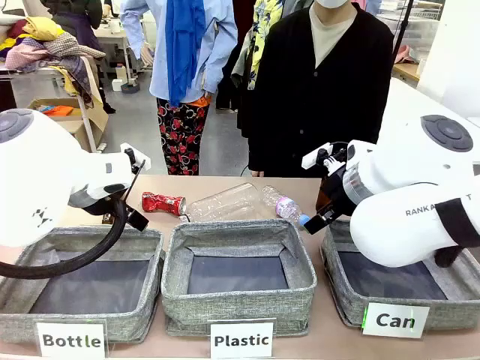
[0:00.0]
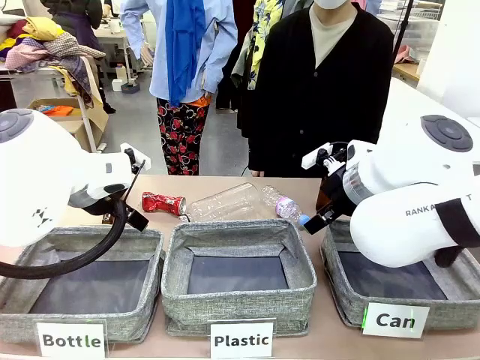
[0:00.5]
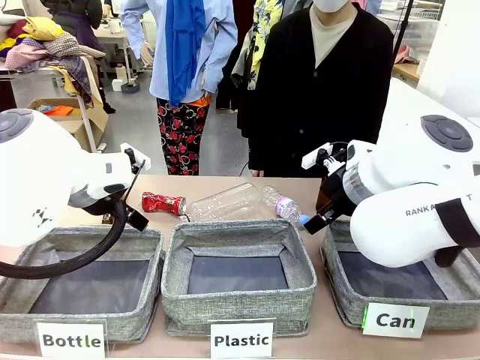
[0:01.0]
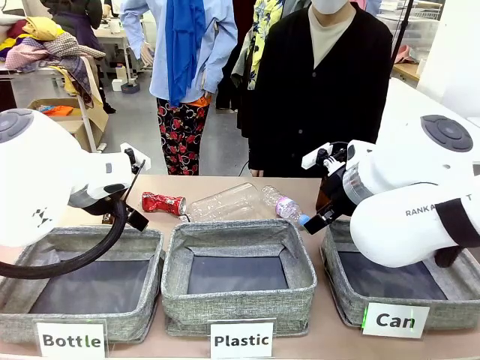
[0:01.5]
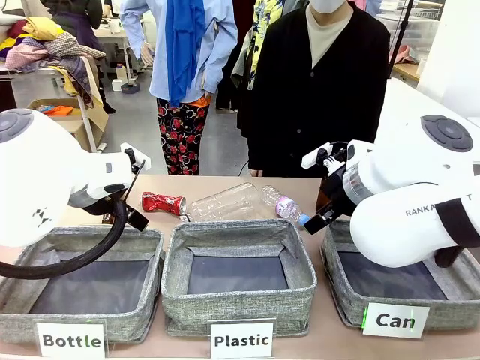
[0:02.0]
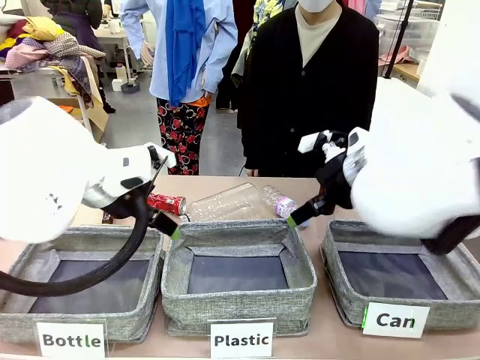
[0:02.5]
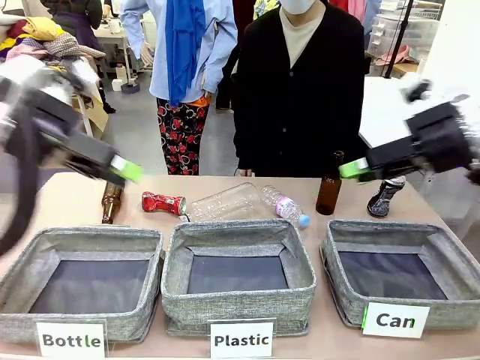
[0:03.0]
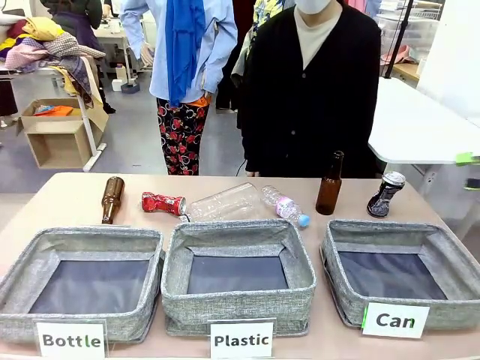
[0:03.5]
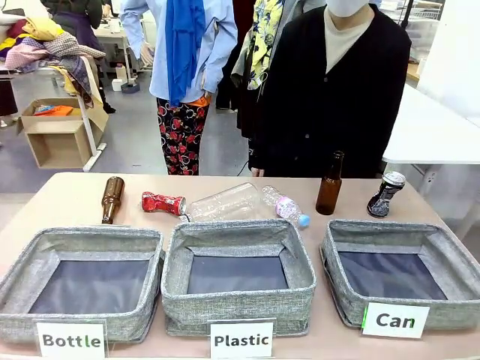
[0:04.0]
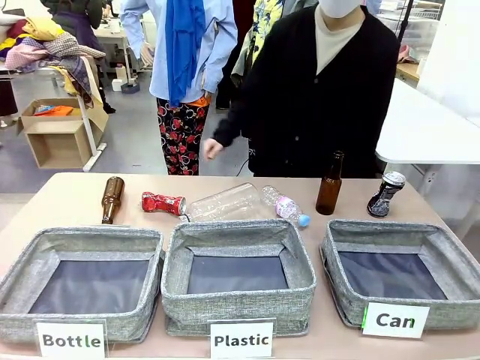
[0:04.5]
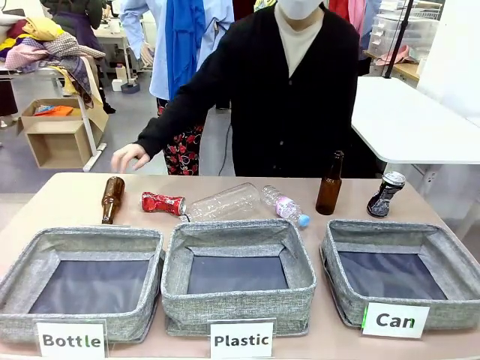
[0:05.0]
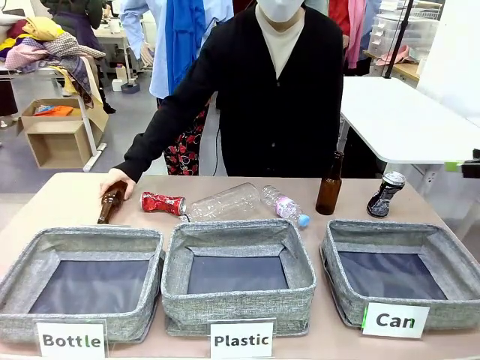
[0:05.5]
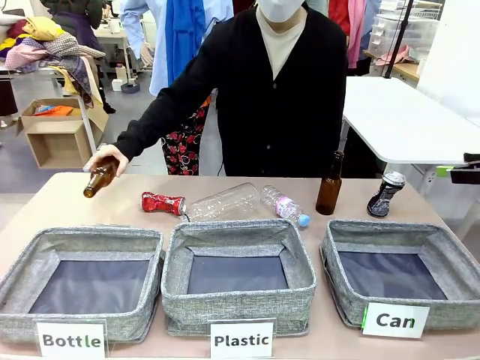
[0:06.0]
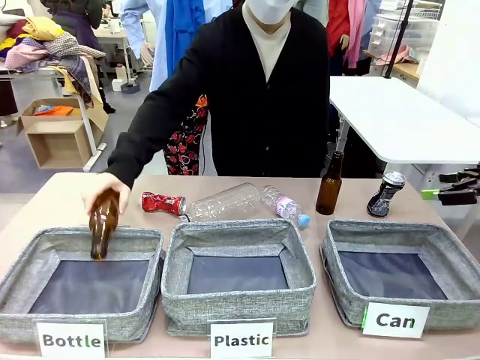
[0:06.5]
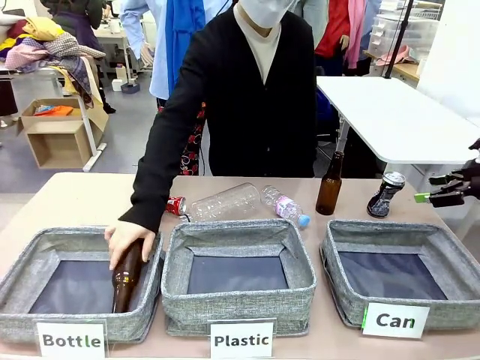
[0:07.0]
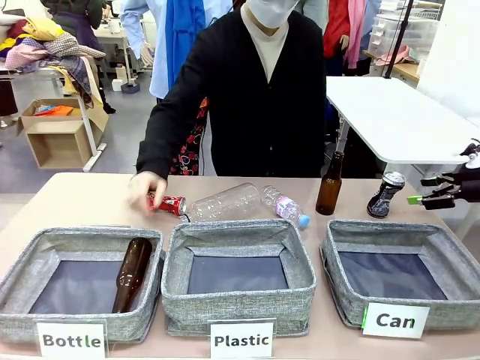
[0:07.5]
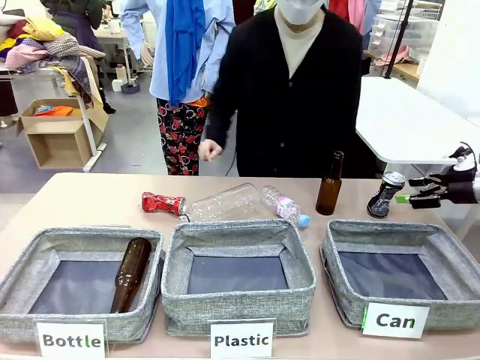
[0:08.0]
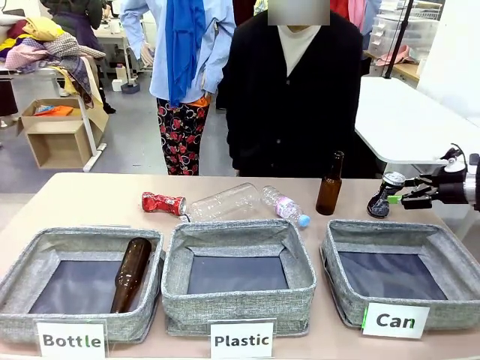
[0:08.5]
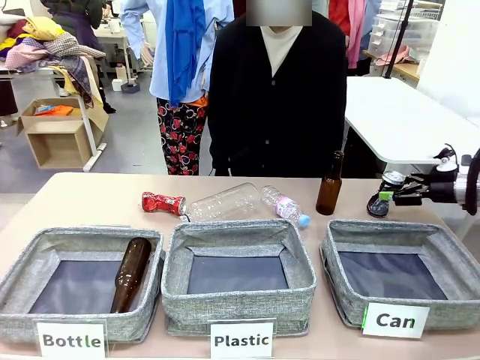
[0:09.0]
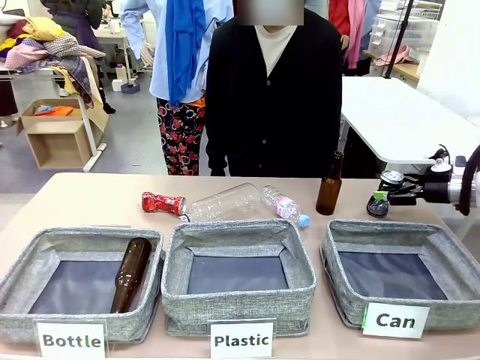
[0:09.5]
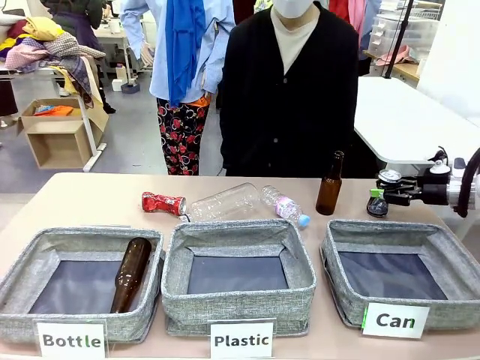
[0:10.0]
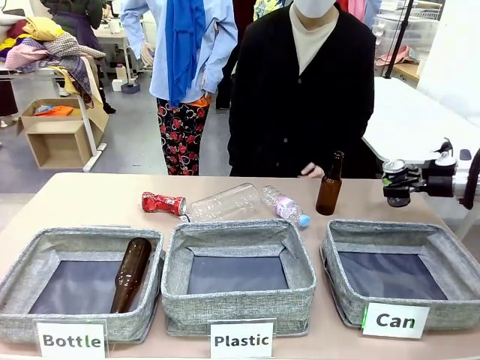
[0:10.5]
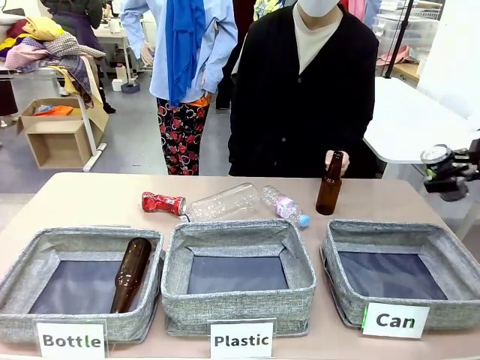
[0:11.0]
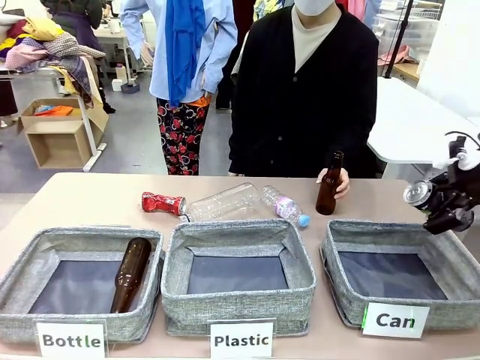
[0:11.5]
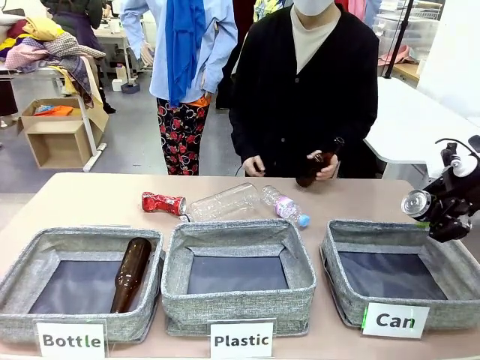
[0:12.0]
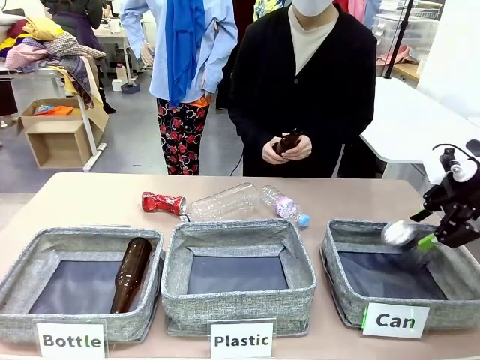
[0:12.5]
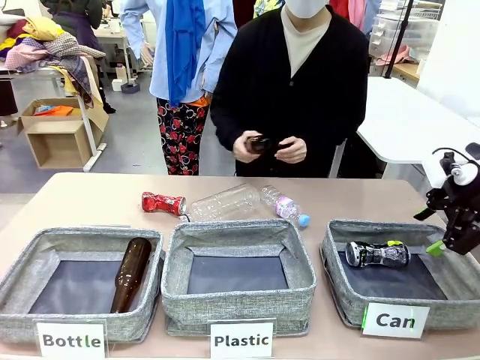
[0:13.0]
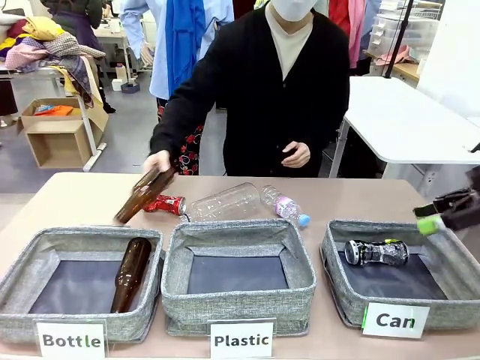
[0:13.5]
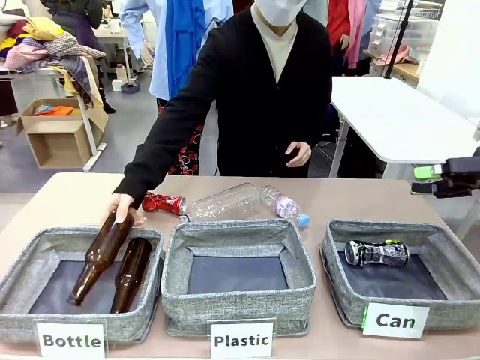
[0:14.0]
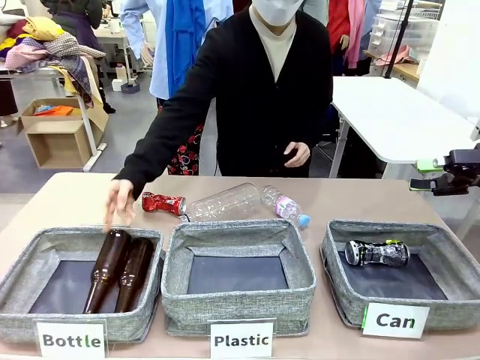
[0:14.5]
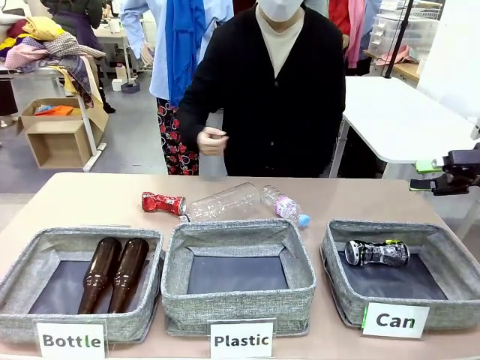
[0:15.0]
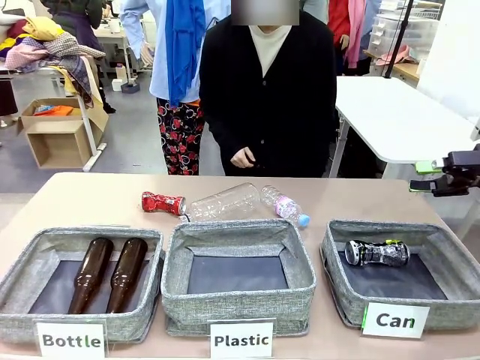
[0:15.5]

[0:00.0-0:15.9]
Task: Sort the can waste into the basket.
Robot: Pick up the can waste from the table and place it in the right Fabric basket.

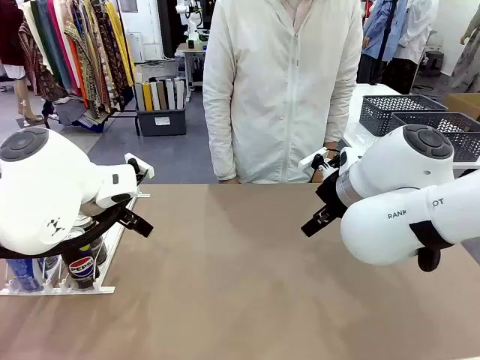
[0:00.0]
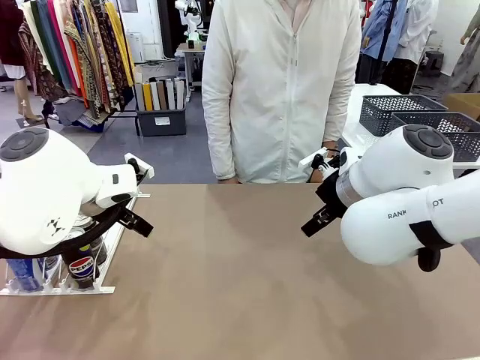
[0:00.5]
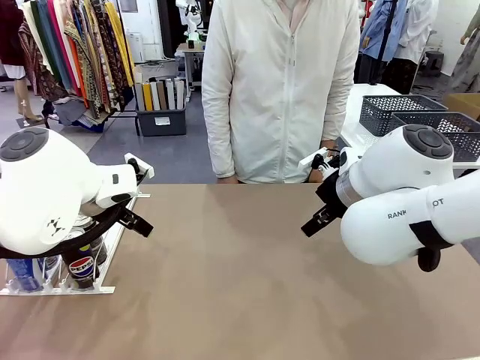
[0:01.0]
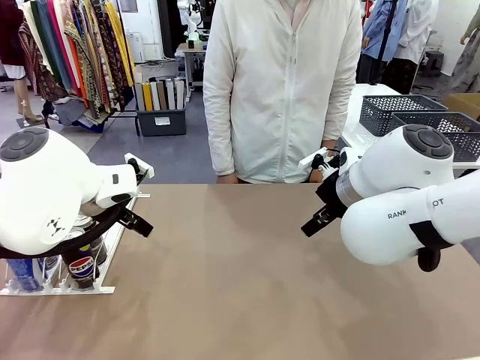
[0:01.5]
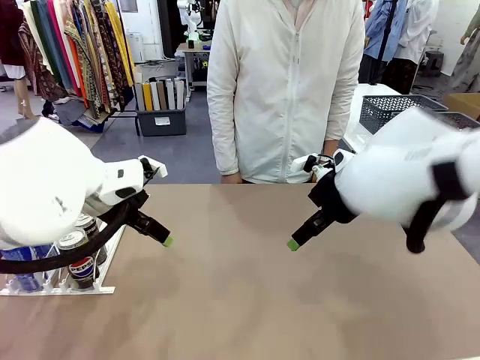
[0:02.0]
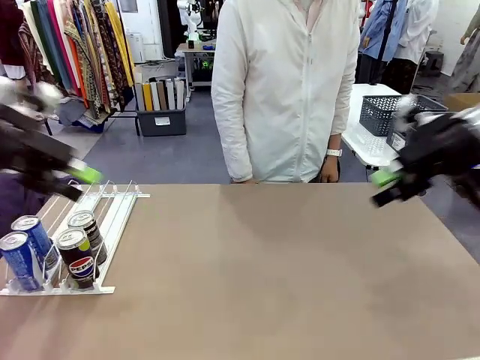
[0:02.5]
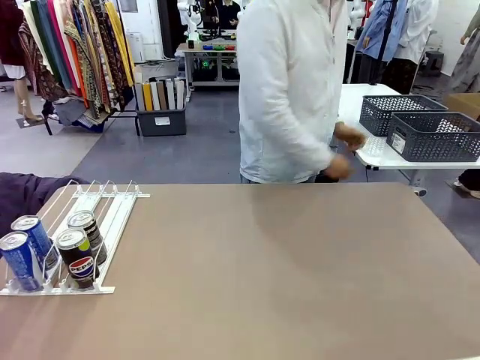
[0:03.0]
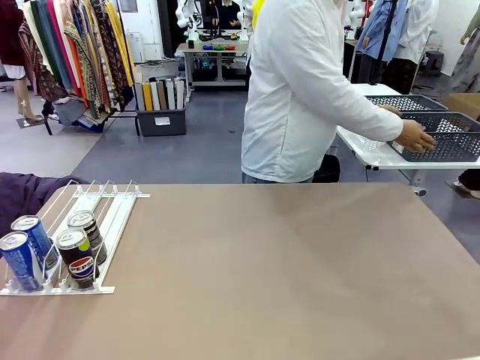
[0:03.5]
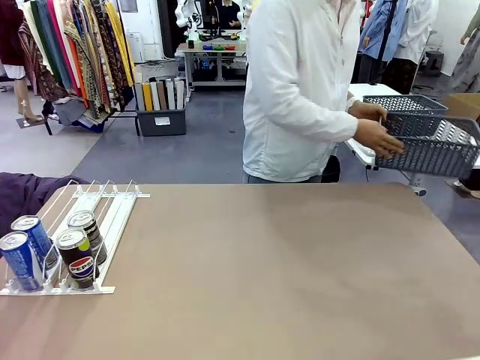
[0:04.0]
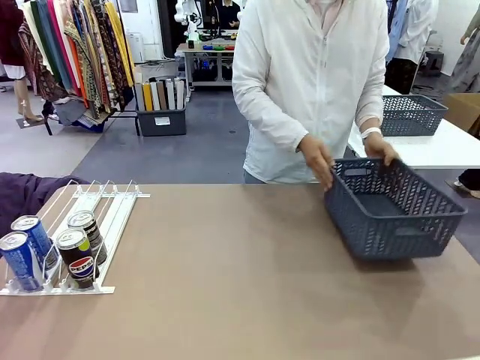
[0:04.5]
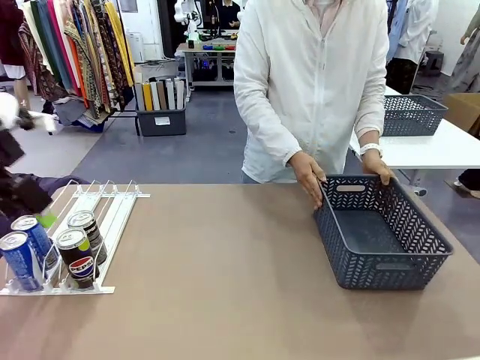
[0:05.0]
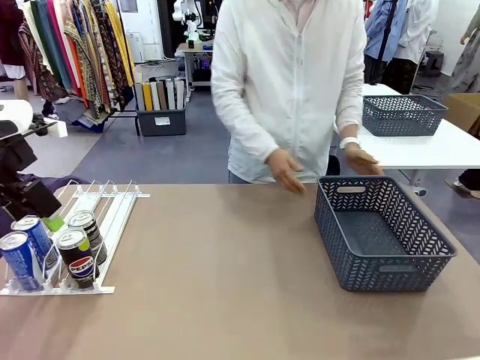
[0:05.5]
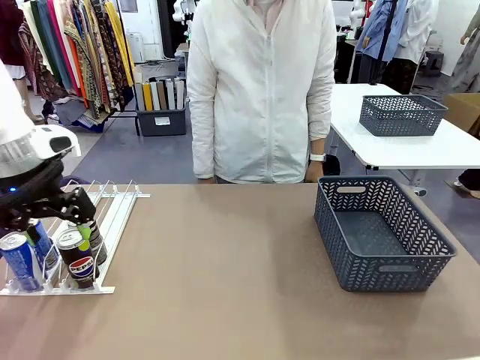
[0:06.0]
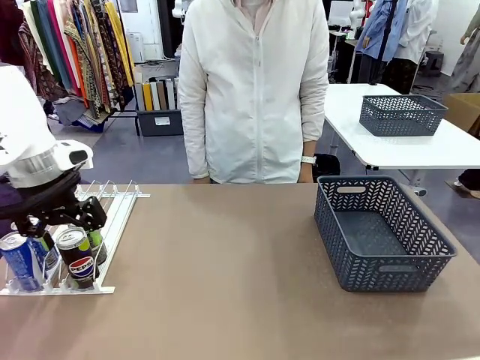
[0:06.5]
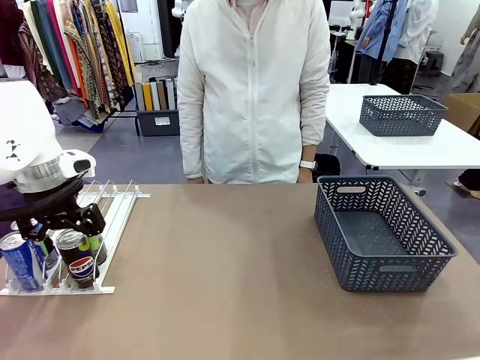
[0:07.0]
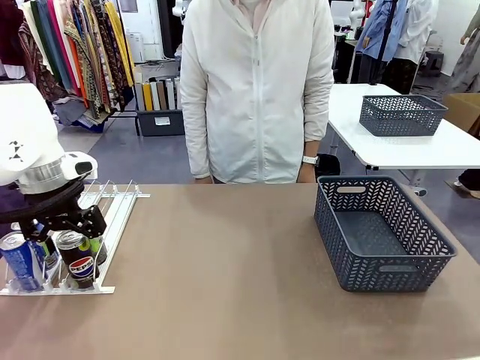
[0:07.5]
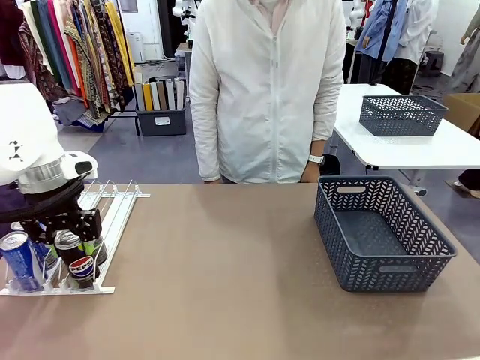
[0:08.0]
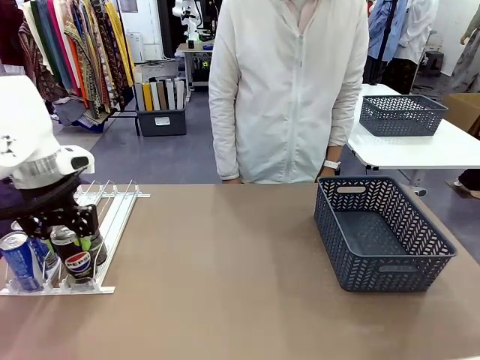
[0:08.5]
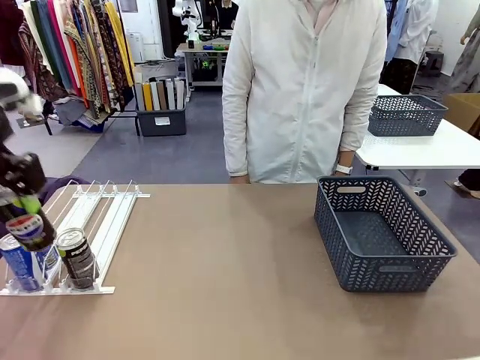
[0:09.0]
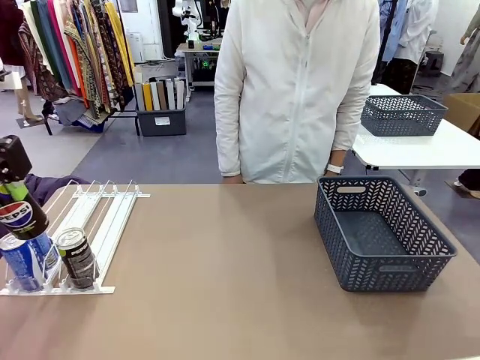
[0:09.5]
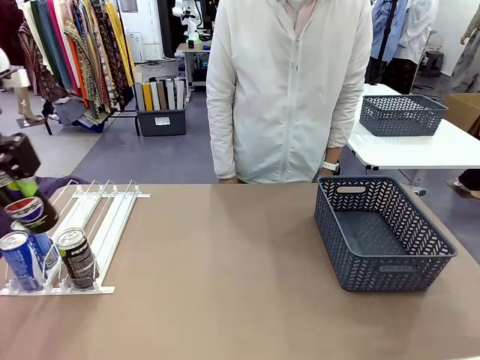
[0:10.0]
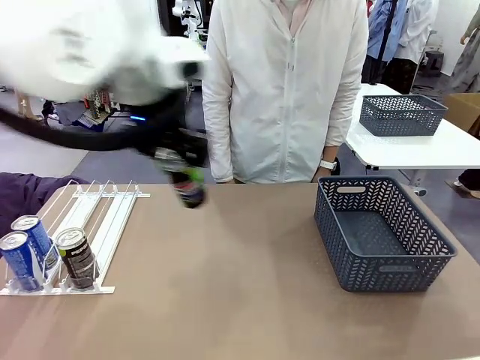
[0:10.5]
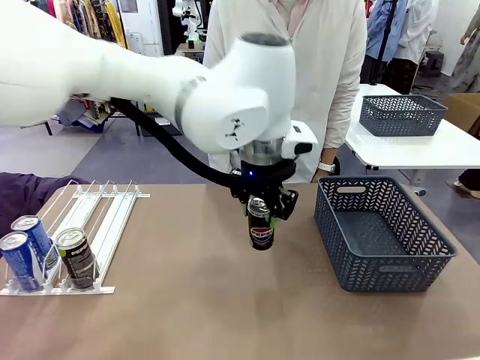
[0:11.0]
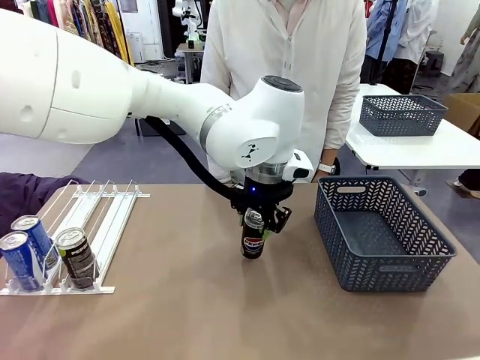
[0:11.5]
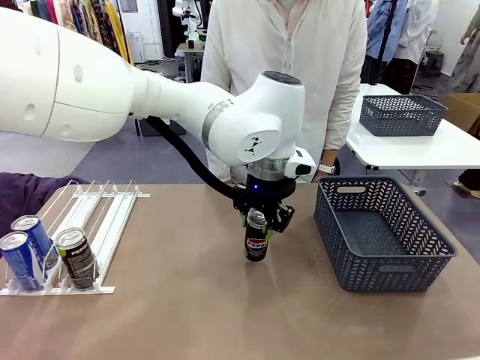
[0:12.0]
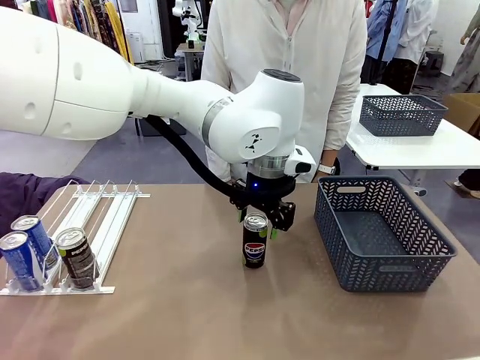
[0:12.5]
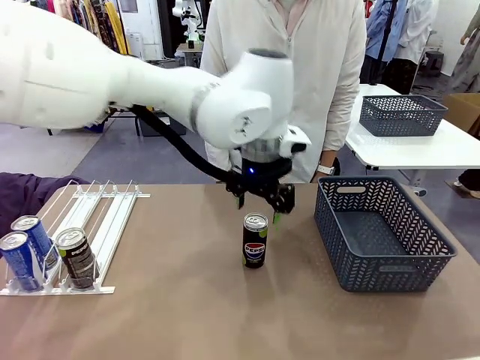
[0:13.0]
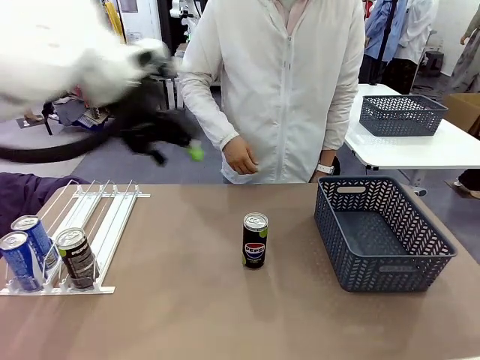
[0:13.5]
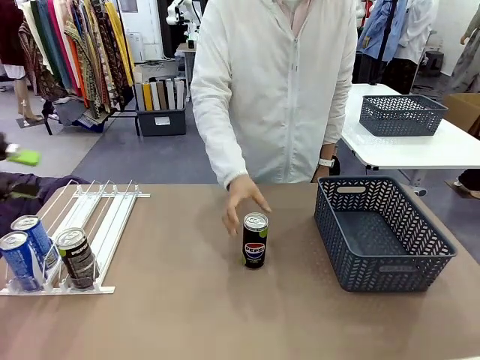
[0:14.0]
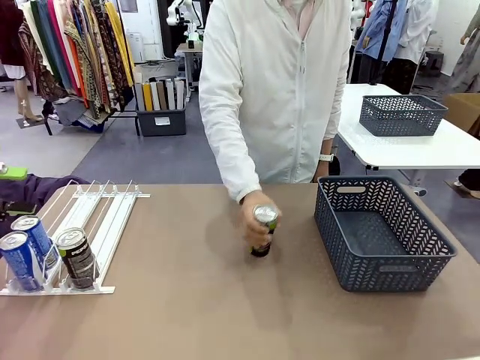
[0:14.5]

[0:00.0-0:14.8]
Task: Retrieve and store the cans from the dispenser.
Robot: Pick up one can from the Automatic Can Dispenser and place it in the middle of the table.
Person: Pick up the basket and place it on the left side of the robot table.
